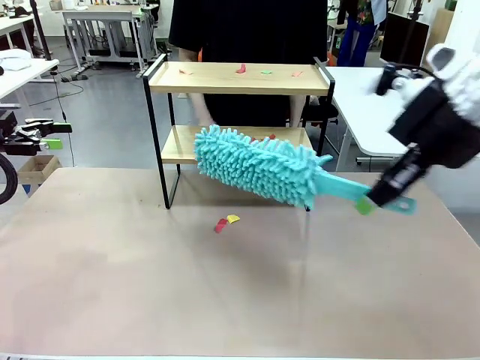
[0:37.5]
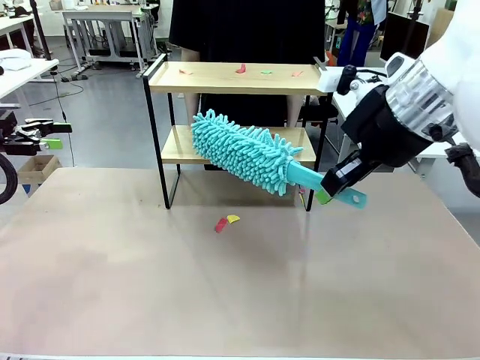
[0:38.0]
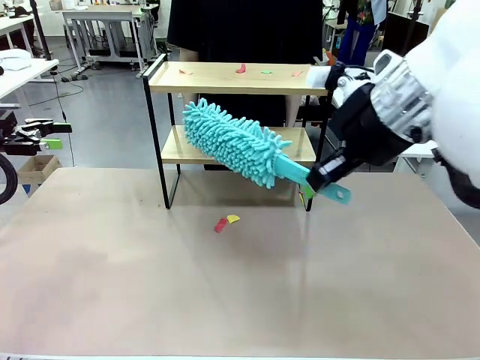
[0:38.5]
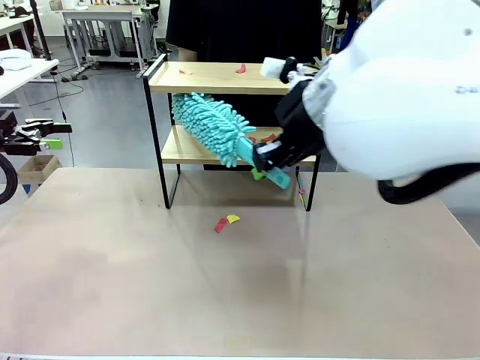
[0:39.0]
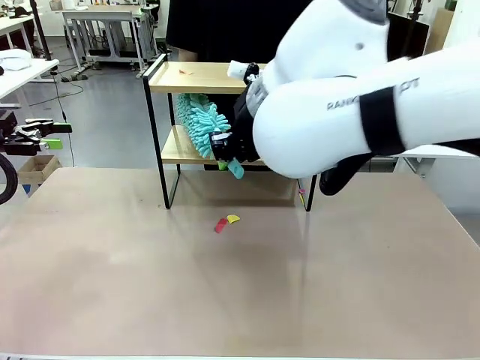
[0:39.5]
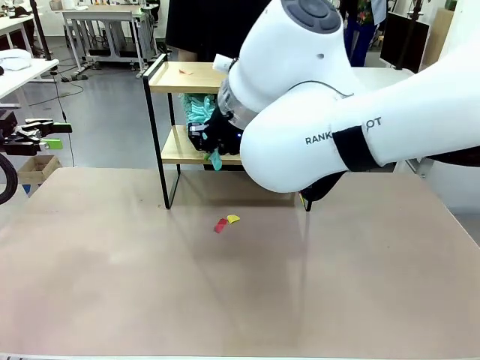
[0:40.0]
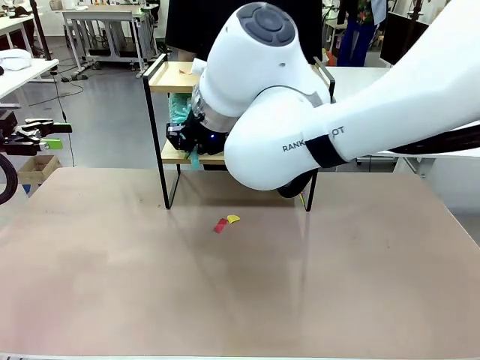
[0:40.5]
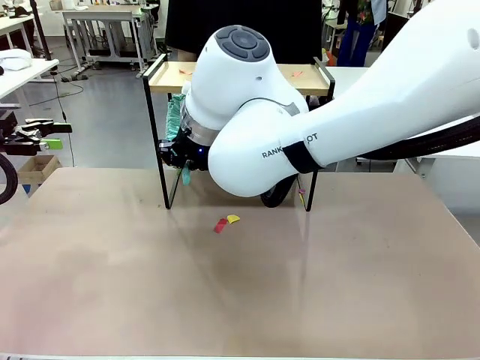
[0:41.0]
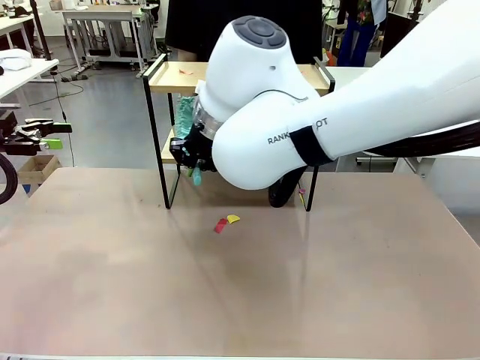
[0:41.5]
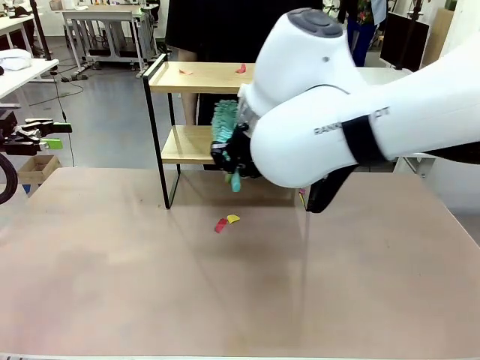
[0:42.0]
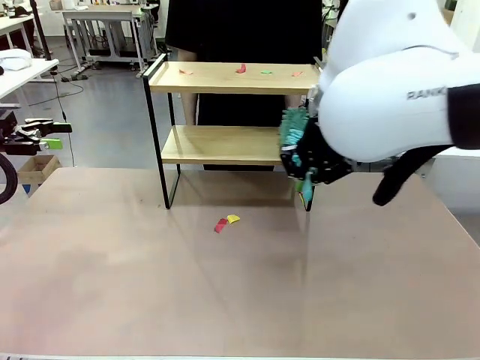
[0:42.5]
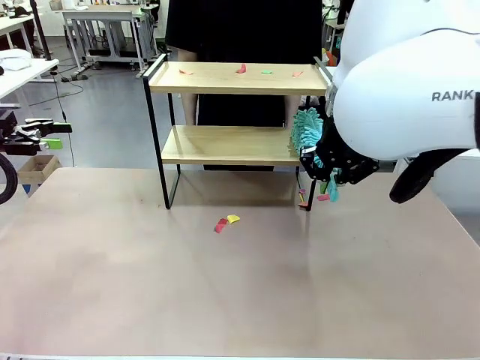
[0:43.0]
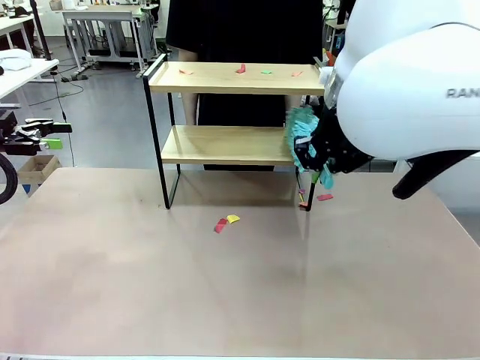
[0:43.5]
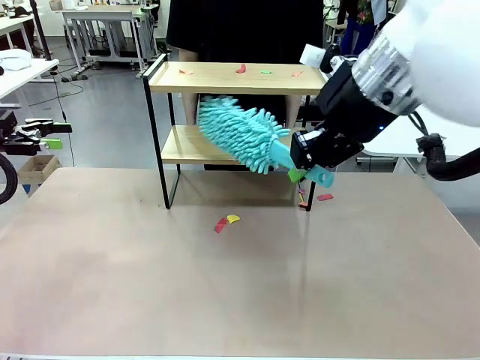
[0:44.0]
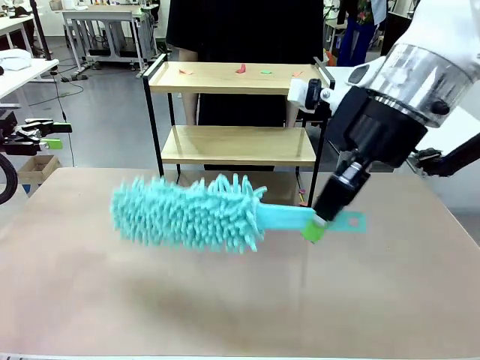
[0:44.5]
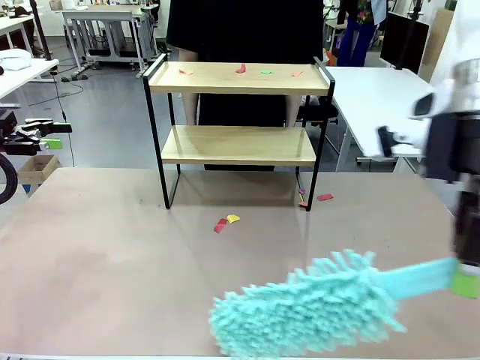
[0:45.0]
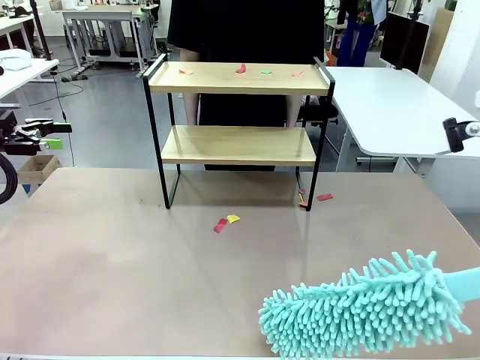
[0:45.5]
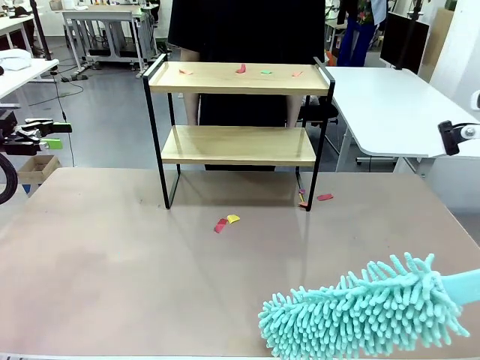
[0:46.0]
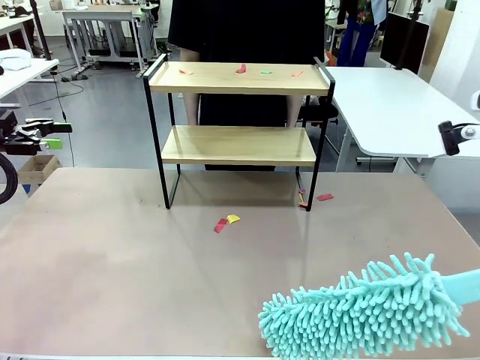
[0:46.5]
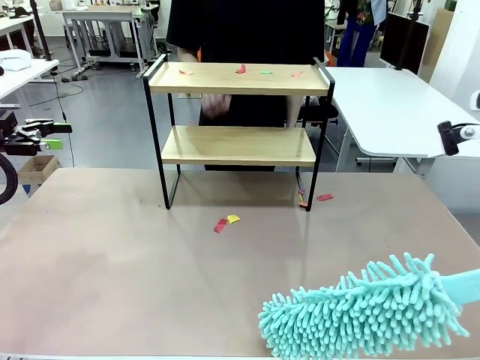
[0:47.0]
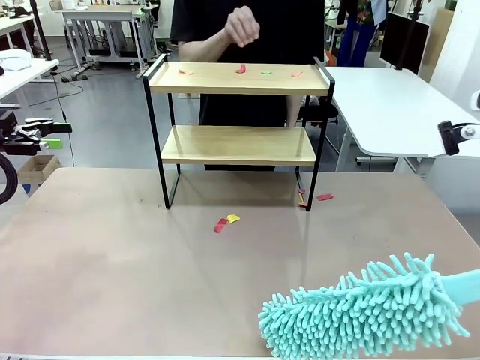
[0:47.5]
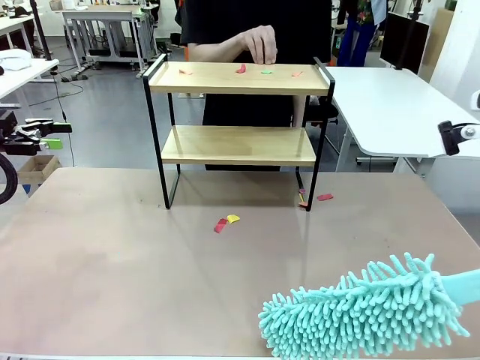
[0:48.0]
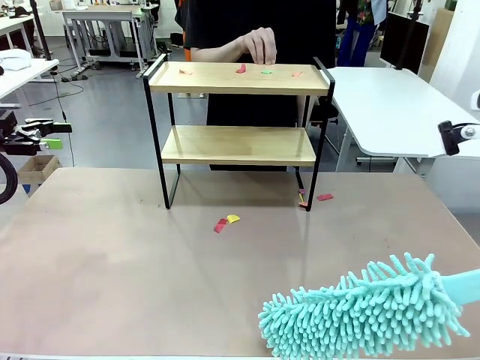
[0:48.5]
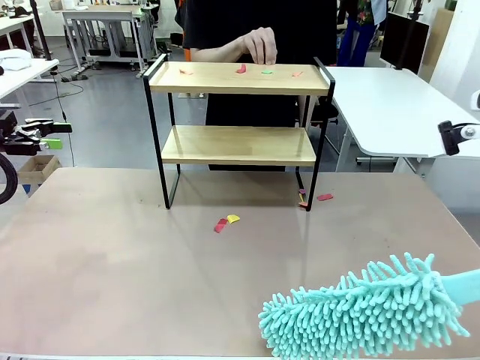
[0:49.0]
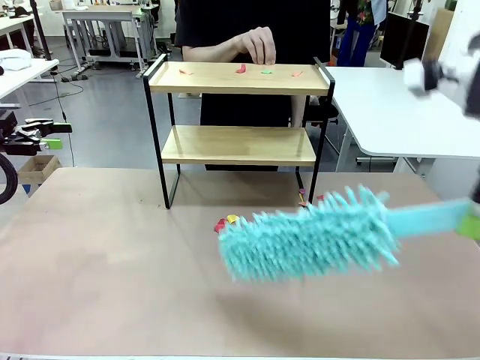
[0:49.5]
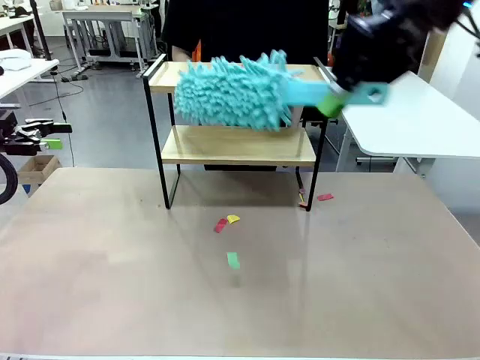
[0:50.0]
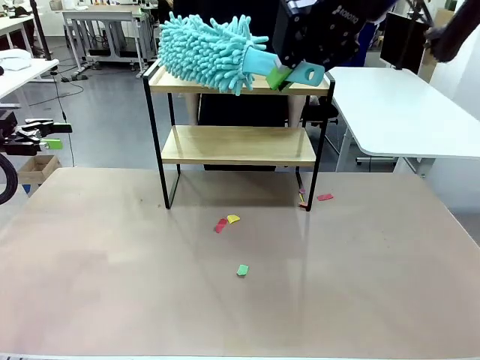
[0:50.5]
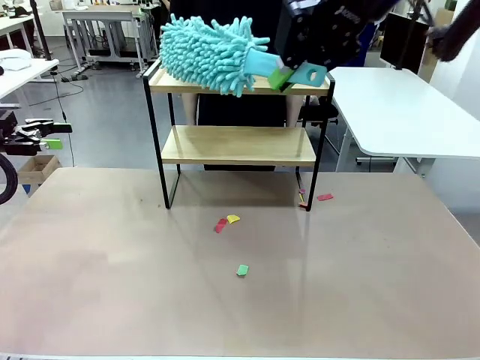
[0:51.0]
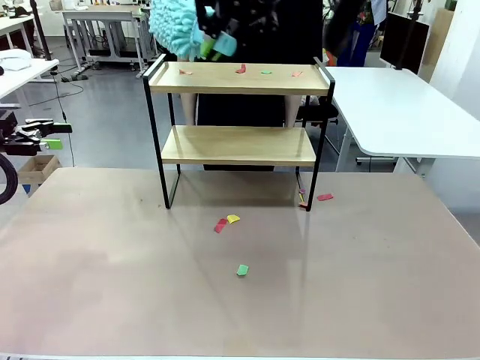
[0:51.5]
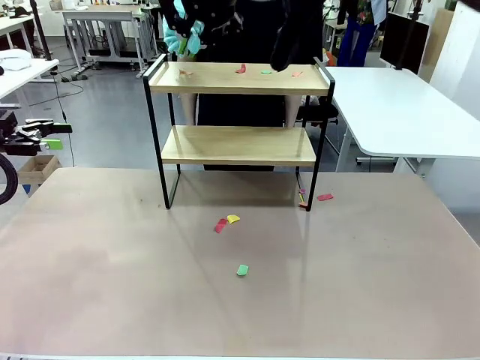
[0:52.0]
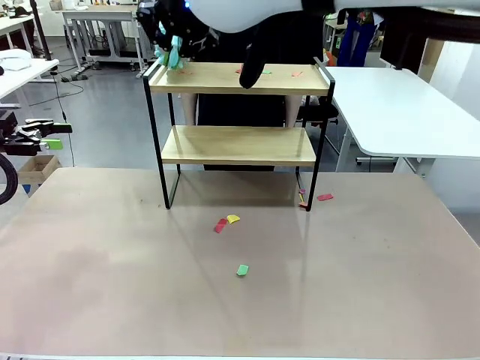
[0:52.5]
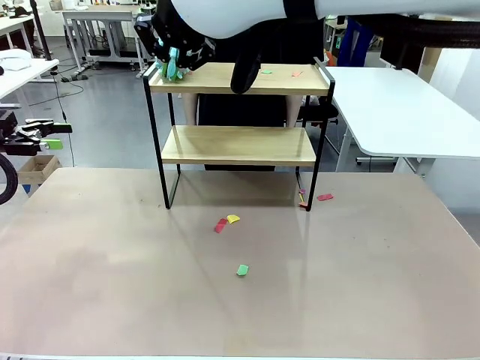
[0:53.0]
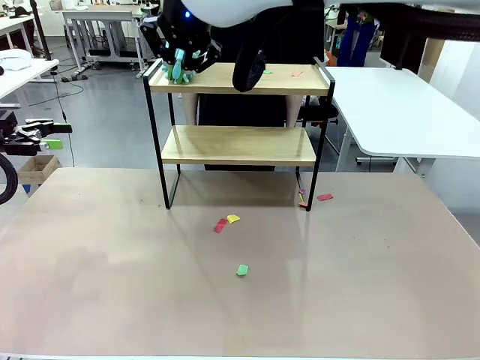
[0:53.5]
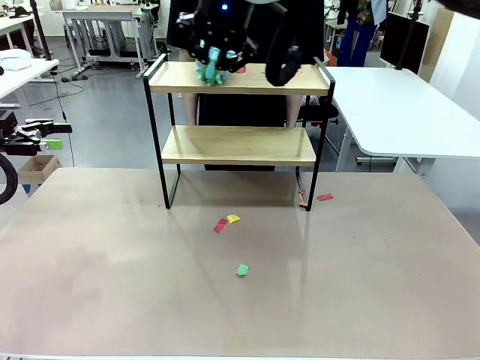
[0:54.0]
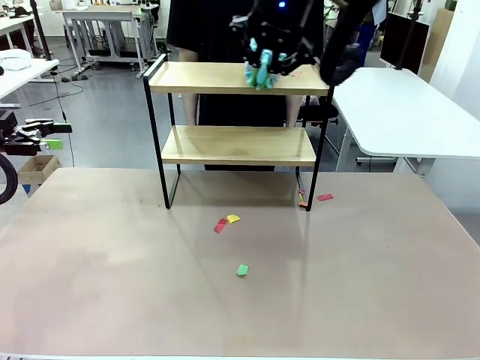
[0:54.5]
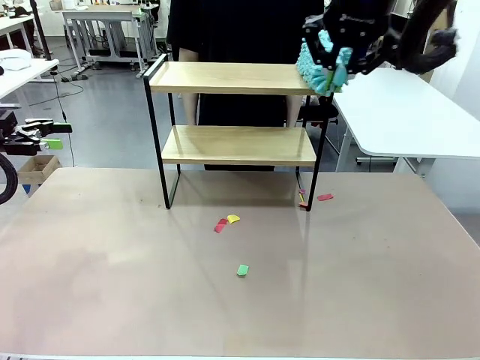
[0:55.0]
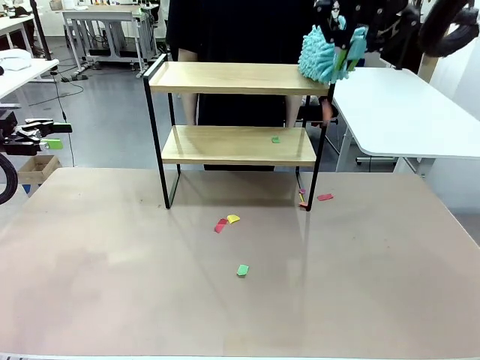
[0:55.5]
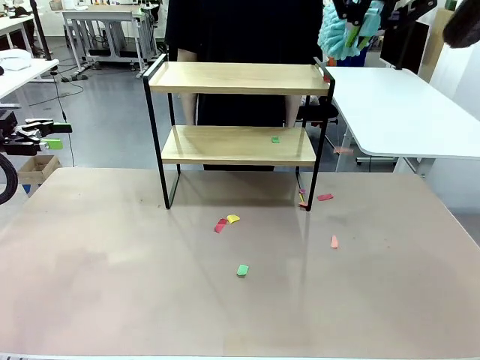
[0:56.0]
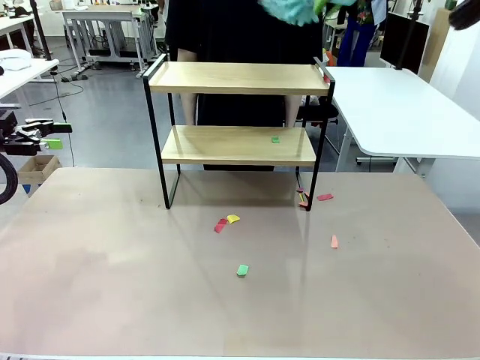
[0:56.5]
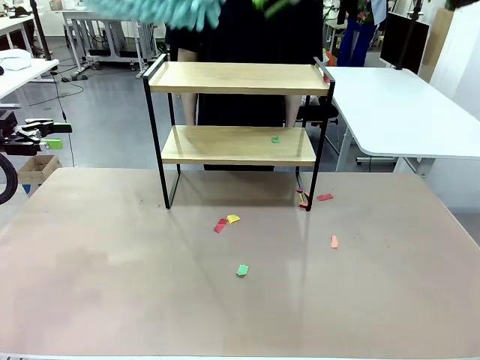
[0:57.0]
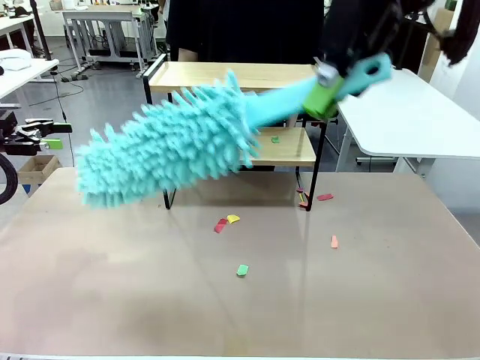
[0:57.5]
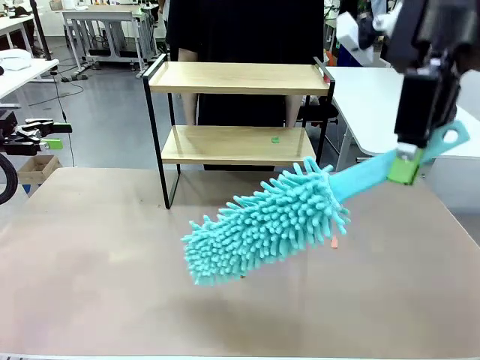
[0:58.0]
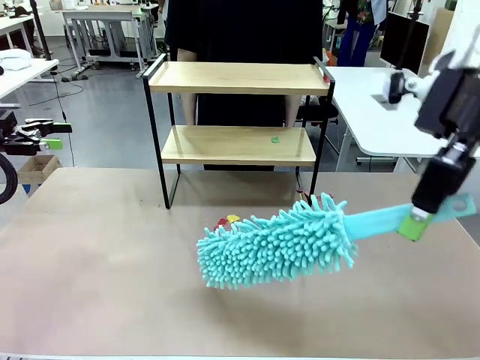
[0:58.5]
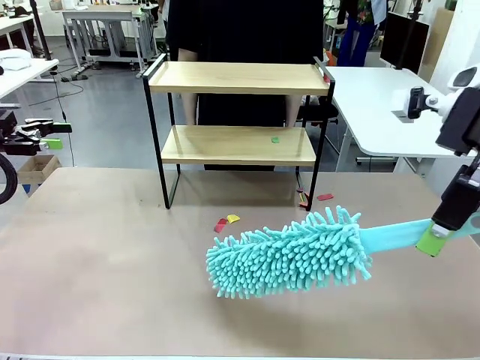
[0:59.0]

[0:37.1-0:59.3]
Task: Clean the shelf.
Robot: Clean the specific section of the Shelf indicated by the human with the Duster.
Person: Point a remaining section of the Shelf.

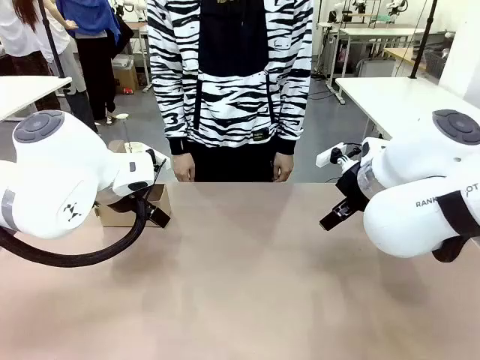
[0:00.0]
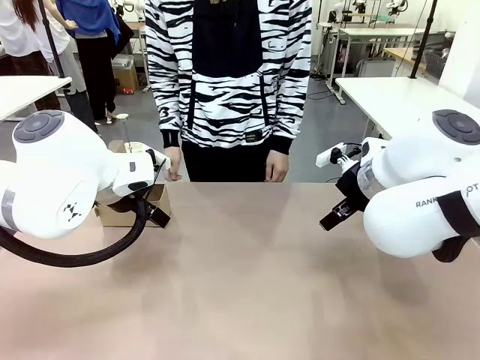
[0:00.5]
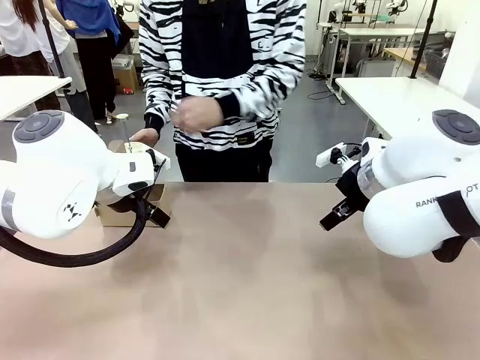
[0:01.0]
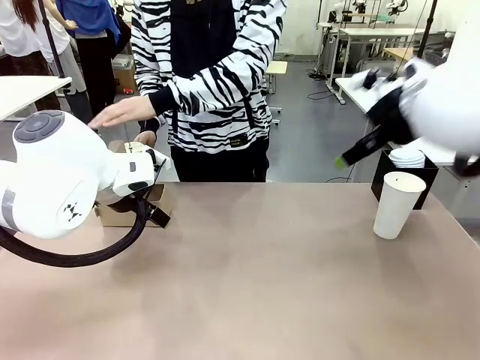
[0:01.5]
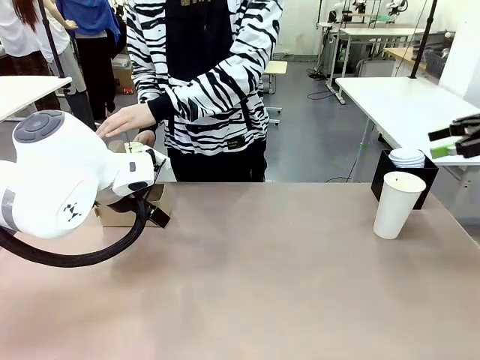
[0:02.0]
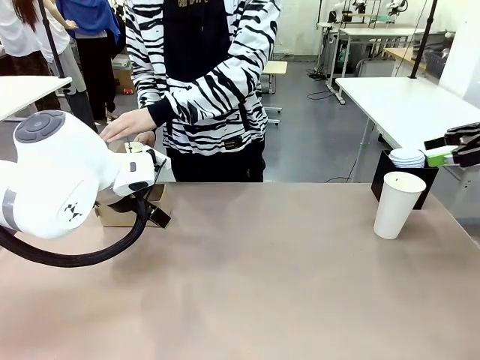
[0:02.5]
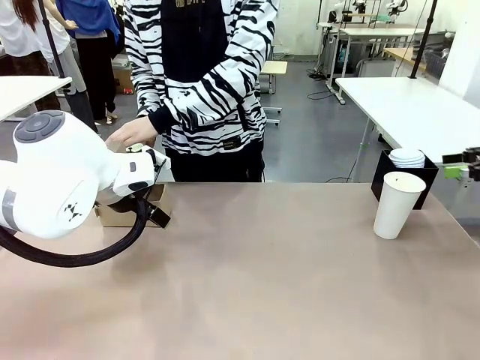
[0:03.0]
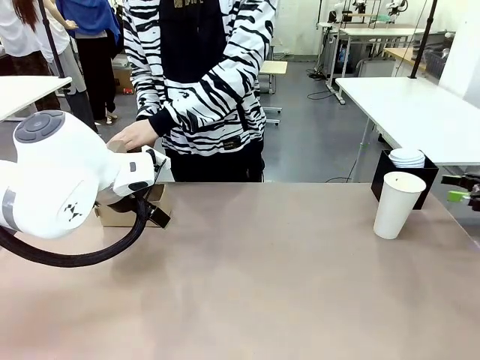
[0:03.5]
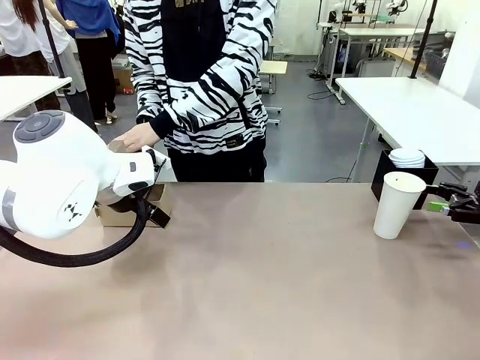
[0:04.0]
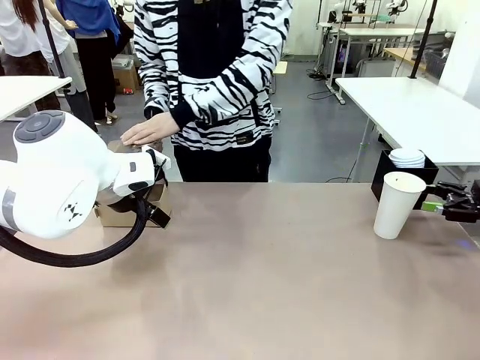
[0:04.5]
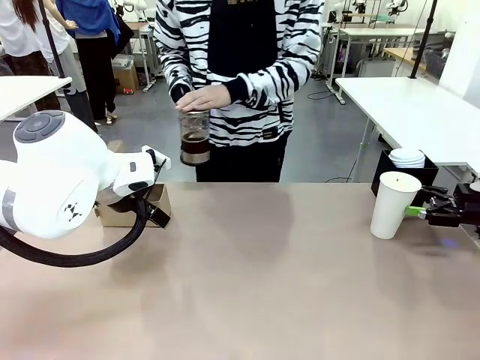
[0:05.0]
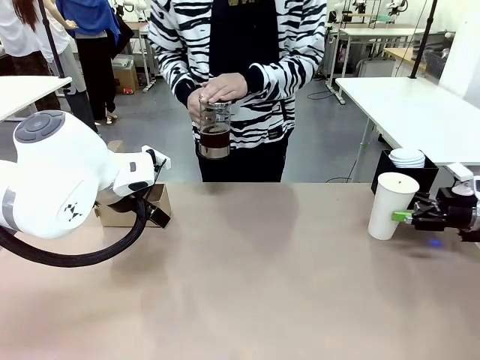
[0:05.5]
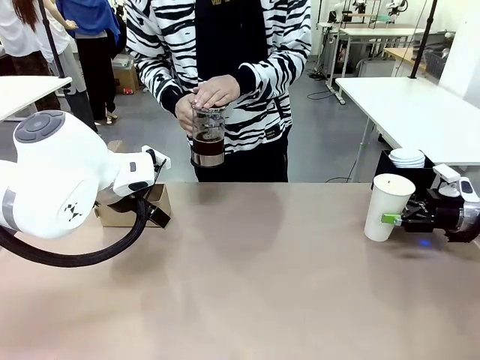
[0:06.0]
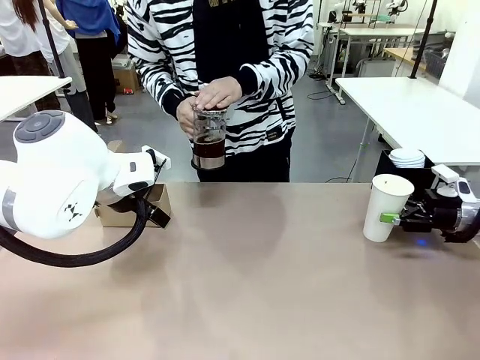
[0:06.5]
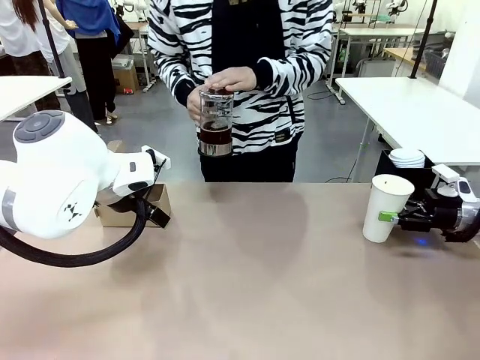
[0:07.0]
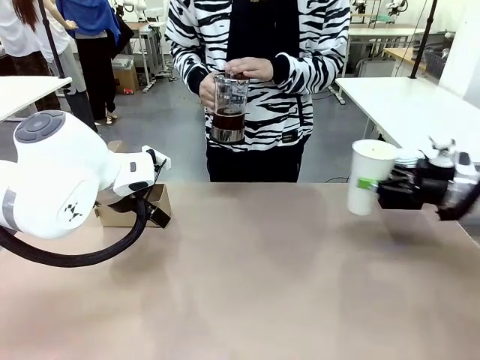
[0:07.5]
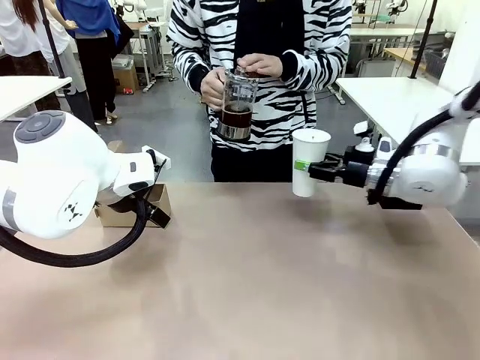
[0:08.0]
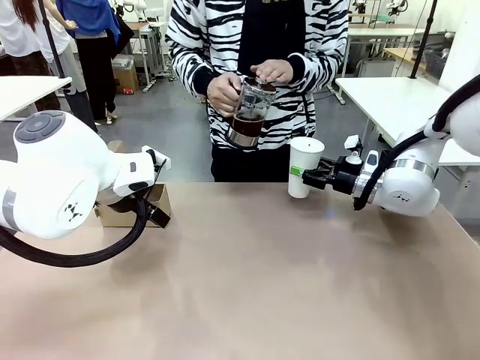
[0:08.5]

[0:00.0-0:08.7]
Task: Pour a drink into a cup and package it in a carrier.
Robot: Pick up the 600 ml Paper Cup and place it in the middle top area of the table.
Person: Press and pick up the Filter Brewing.
